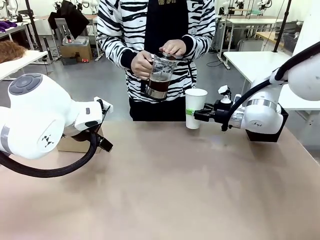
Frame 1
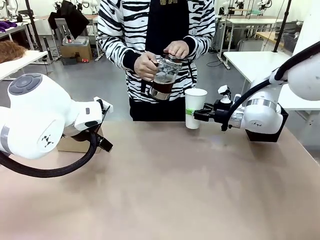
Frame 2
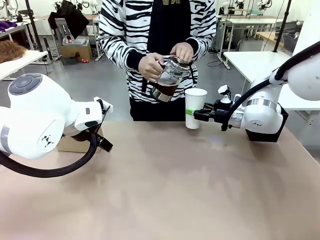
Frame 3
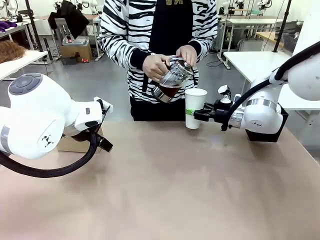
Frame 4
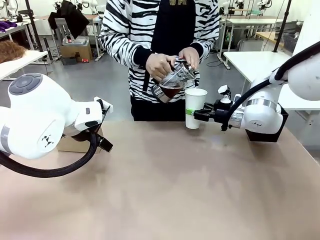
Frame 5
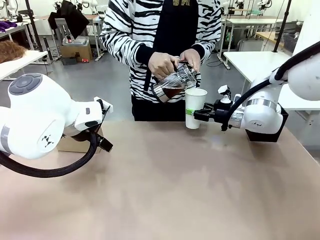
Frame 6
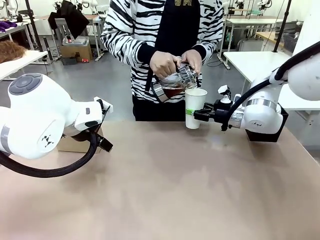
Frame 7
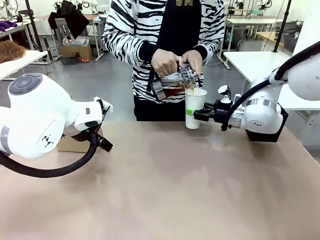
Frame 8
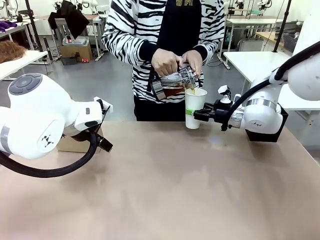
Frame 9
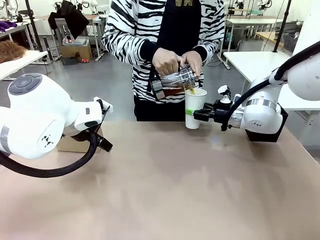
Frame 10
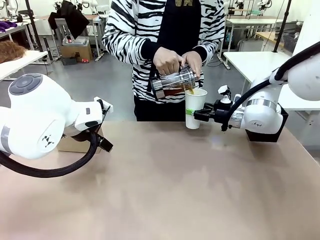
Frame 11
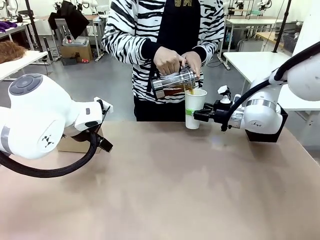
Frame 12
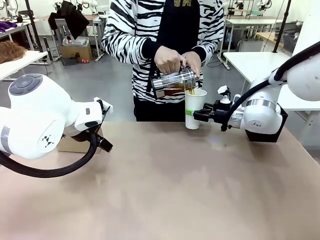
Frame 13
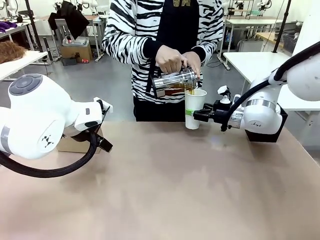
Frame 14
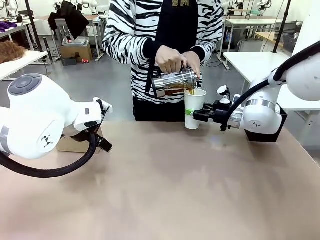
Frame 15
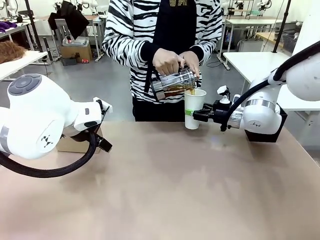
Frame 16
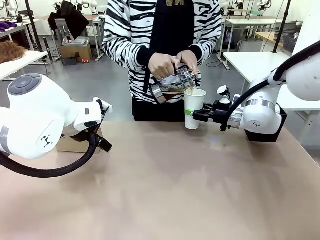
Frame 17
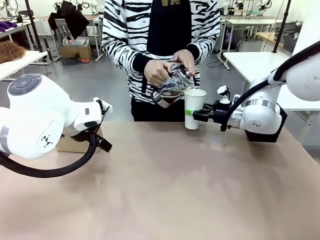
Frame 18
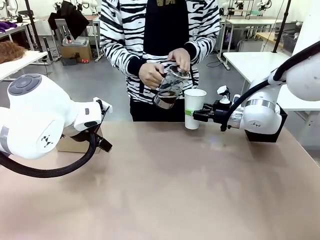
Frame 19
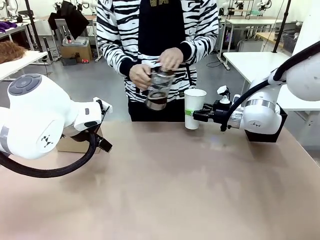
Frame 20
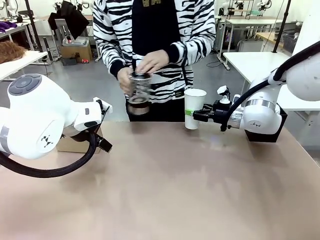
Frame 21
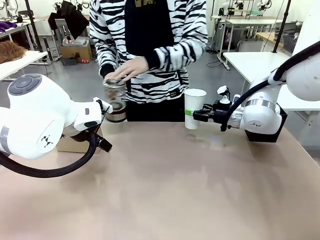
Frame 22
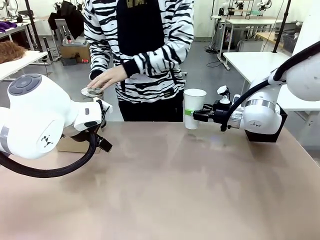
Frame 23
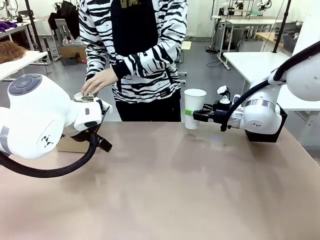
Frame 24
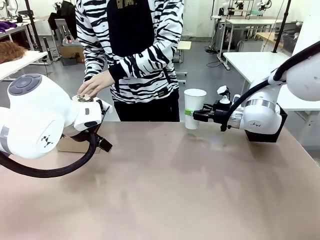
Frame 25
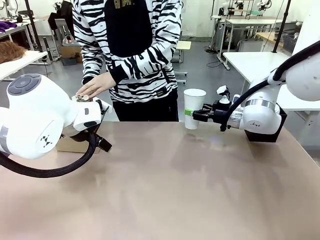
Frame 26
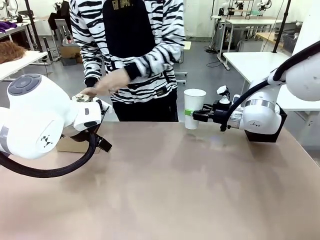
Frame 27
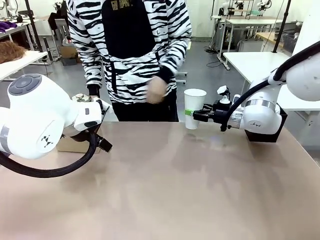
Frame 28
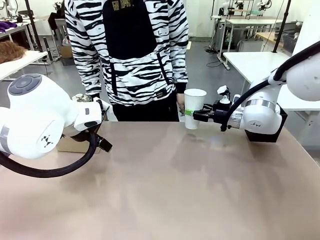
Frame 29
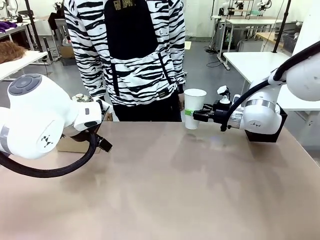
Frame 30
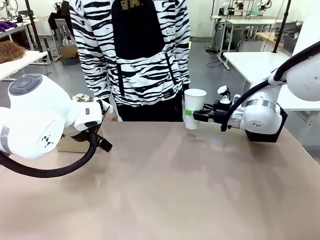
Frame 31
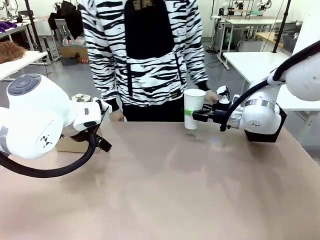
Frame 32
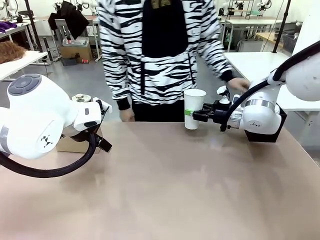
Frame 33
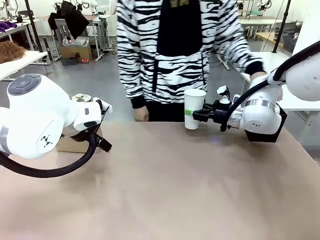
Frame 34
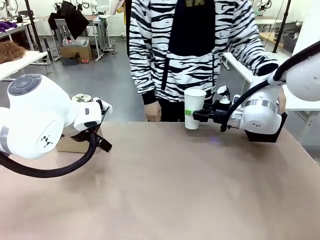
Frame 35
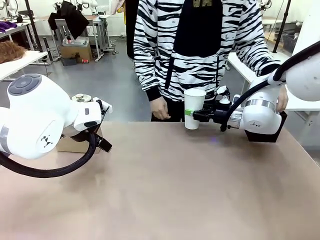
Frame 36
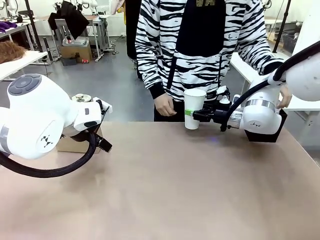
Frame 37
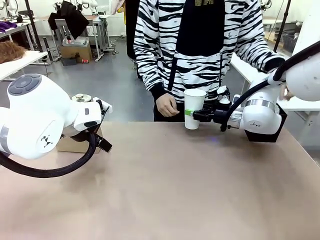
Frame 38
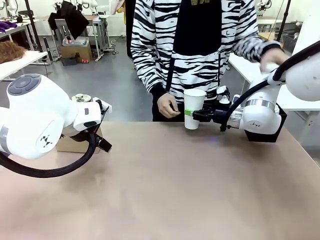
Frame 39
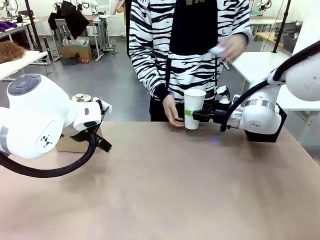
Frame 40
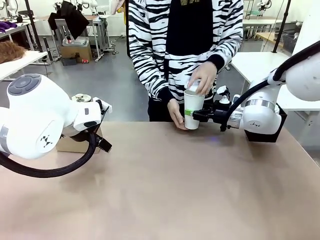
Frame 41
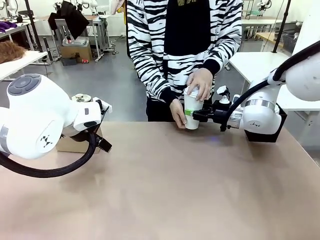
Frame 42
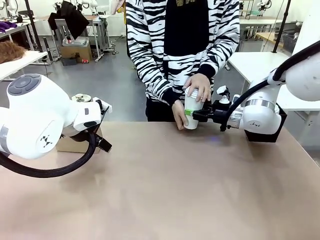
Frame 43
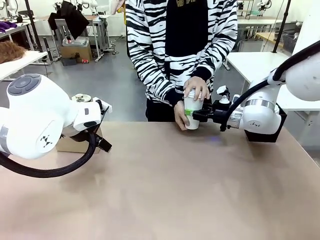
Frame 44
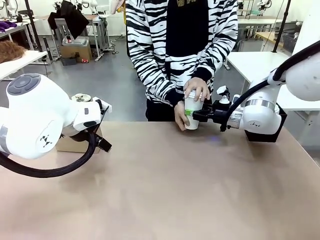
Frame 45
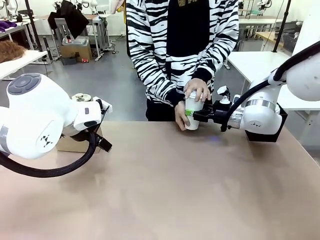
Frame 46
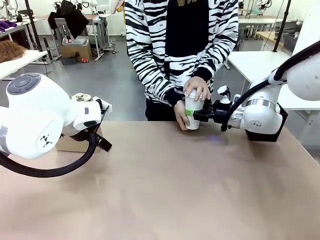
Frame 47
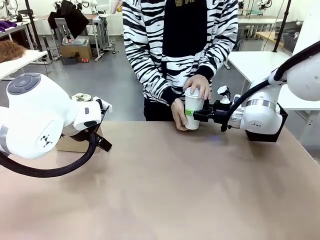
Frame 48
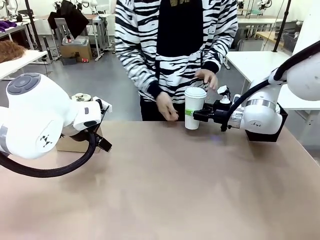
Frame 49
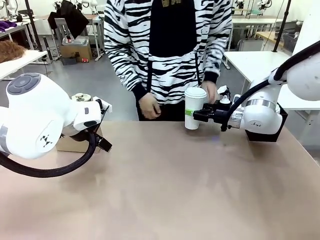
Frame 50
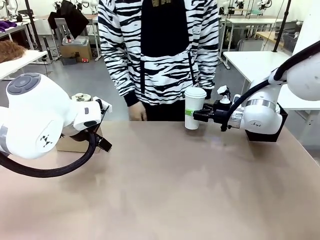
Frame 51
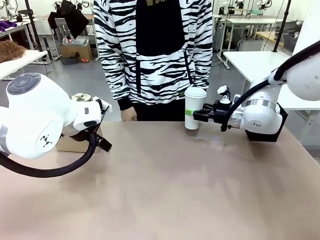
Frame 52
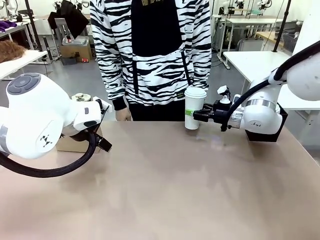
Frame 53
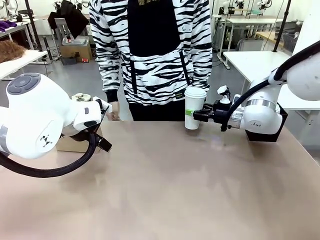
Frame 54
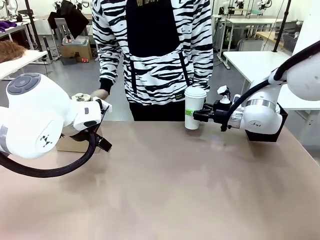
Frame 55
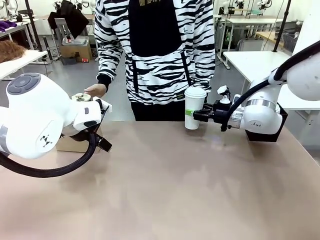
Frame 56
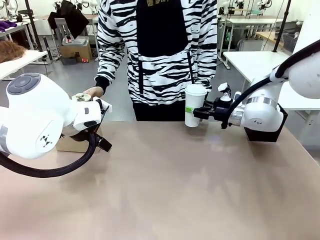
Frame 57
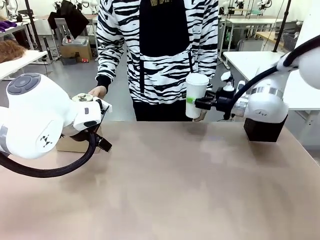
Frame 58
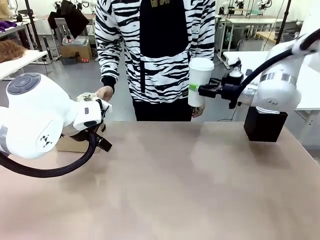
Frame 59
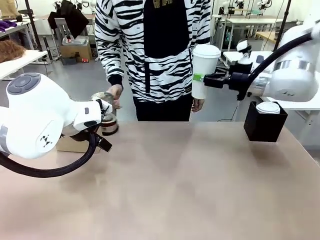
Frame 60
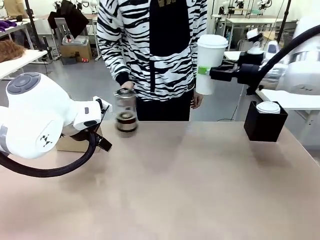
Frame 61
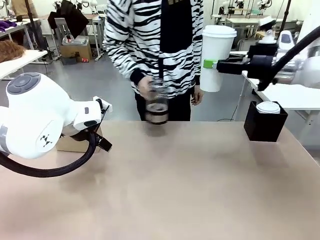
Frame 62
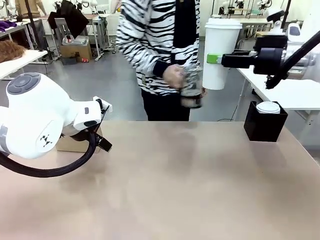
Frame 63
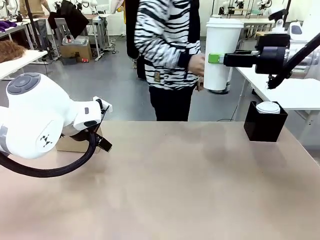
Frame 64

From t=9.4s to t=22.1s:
Task: Pour a drink into a cup and package it in a carrier.
Robot: When a person places the Paper Cup Lid on the 600 ml Paper Cup , lift the 600 ml Paper Cup.
Person: Pour the drink from the Filter Brewing into the 600 ml Paper Cup. Place a Paper Cup Lid on the 600 ml Paper Cup.

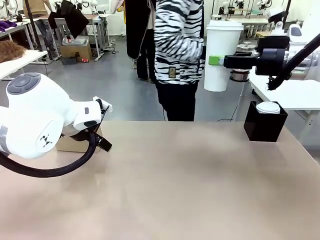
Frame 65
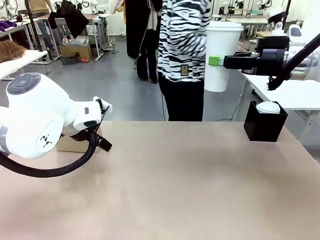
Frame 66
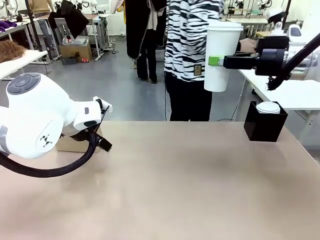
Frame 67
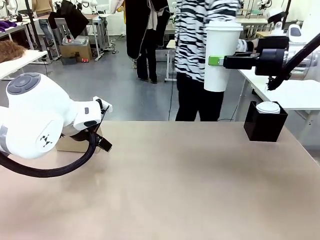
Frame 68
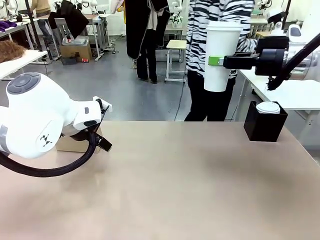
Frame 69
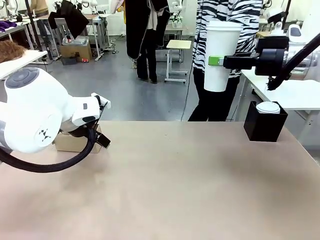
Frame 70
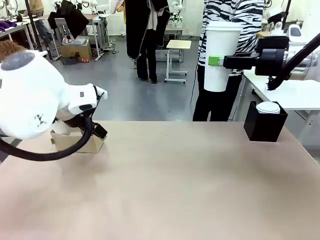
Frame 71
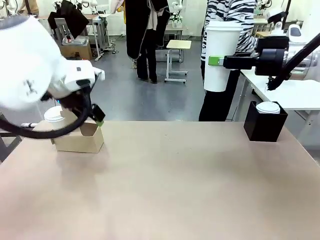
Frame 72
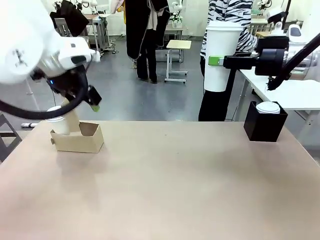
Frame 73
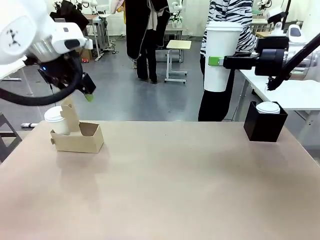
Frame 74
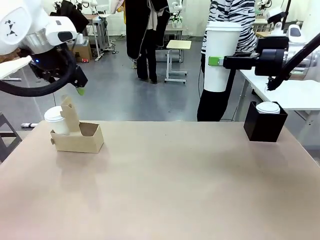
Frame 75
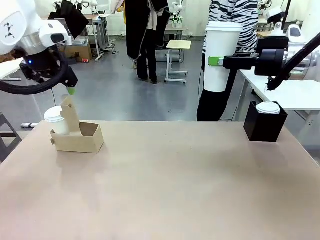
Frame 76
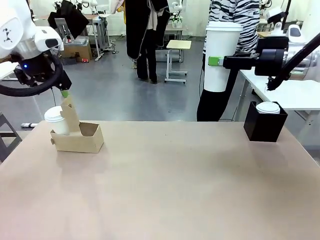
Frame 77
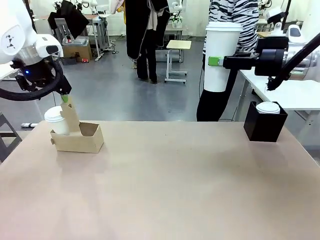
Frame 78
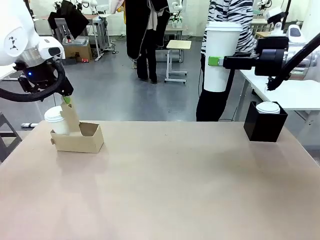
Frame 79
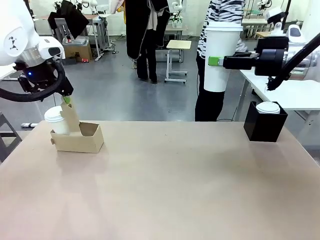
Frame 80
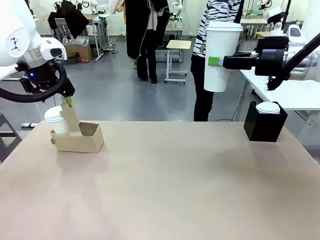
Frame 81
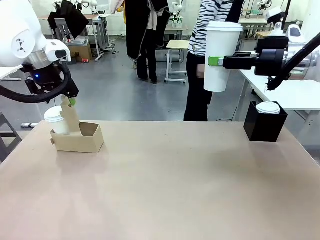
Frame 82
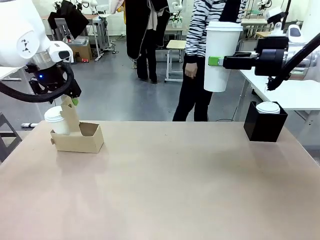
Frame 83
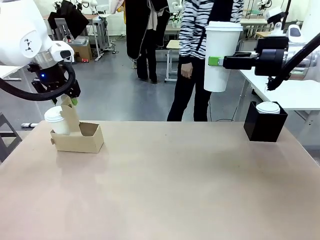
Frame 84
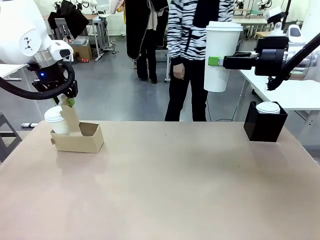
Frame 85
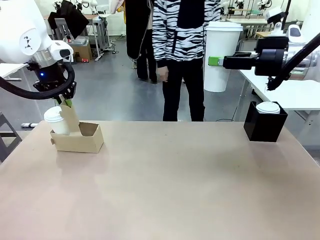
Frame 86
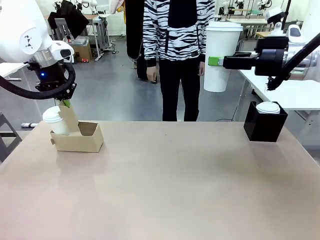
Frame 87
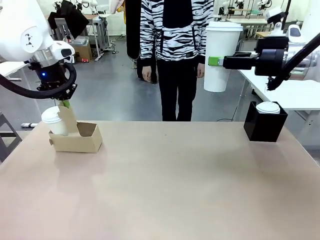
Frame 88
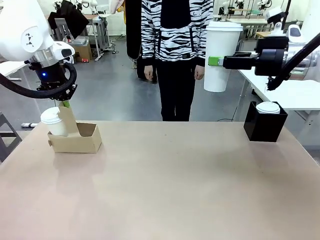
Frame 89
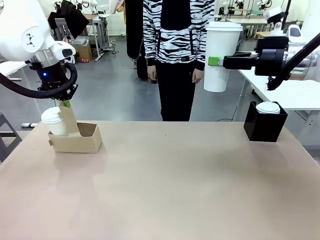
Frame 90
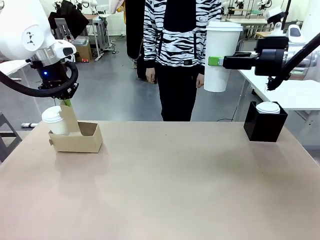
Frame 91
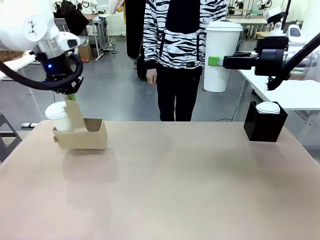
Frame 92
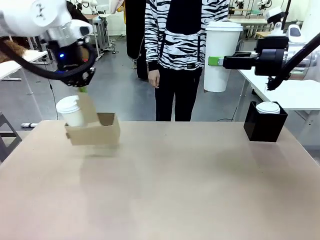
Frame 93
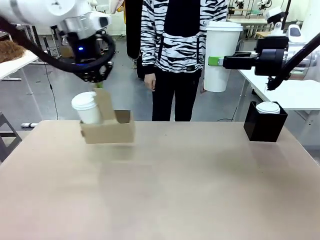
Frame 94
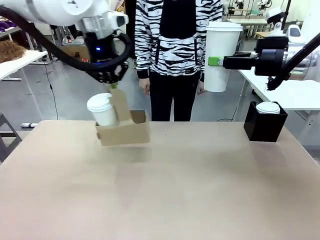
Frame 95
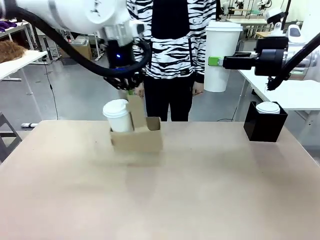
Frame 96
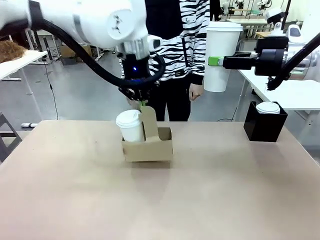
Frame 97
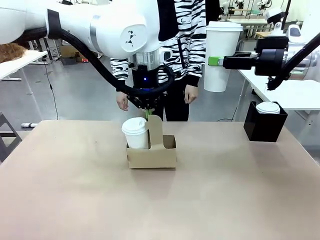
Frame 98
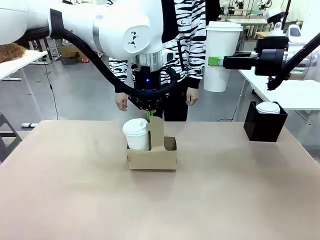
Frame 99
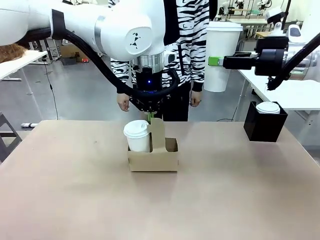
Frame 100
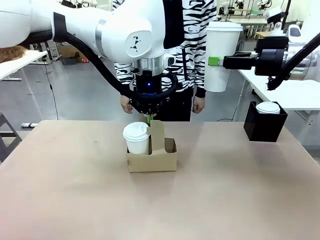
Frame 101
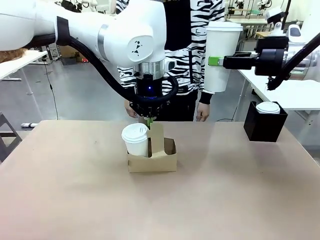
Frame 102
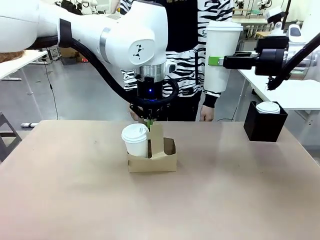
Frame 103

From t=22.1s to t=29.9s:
Robot: Position the Cup Carrier in the center of the table.
Person: Pick up the Filter Brewing and place on the middle of Human table, and return to the Robot table.
